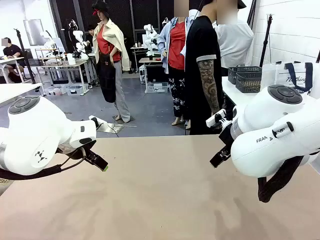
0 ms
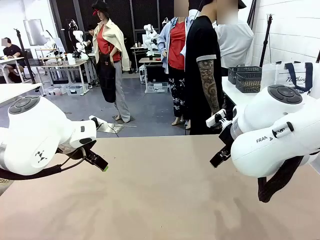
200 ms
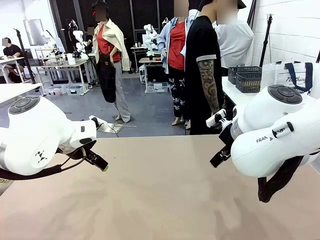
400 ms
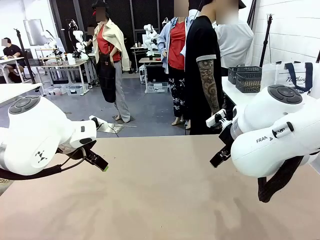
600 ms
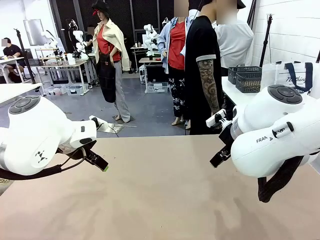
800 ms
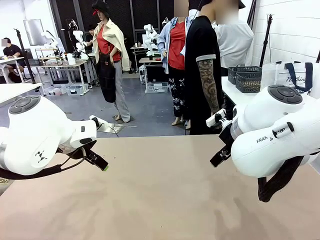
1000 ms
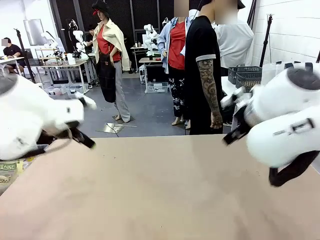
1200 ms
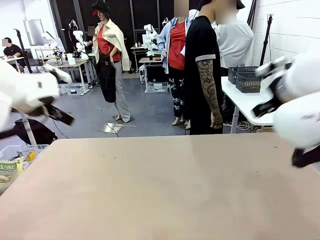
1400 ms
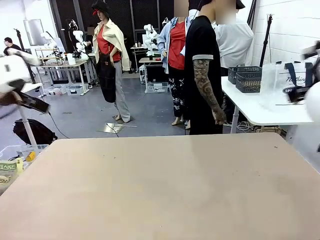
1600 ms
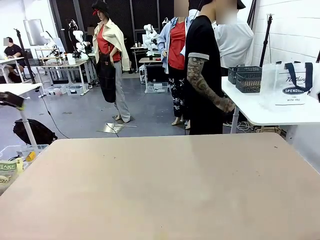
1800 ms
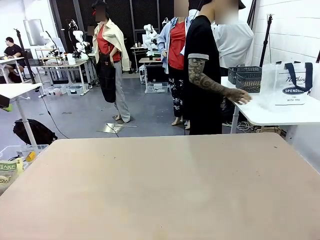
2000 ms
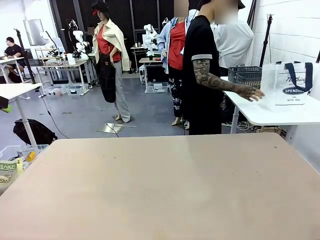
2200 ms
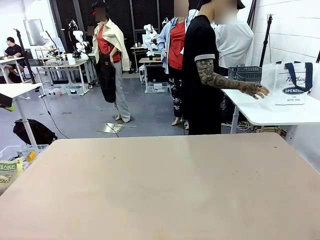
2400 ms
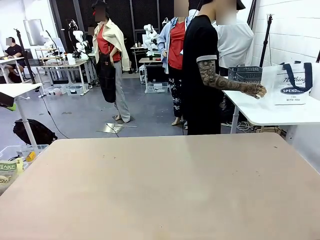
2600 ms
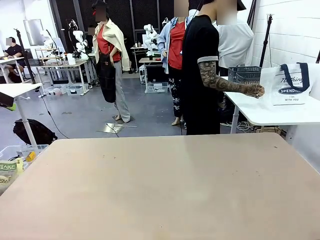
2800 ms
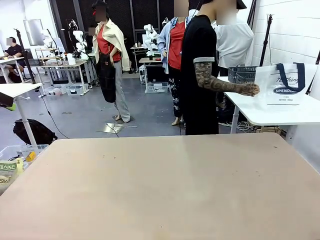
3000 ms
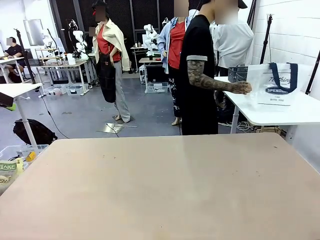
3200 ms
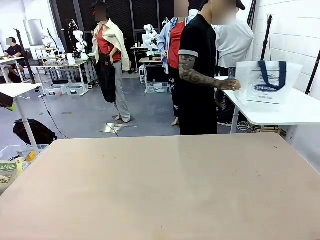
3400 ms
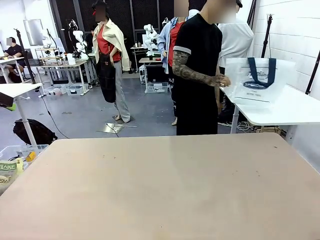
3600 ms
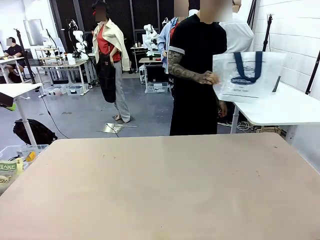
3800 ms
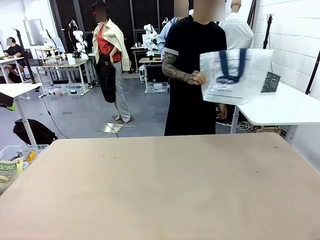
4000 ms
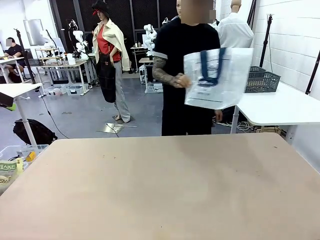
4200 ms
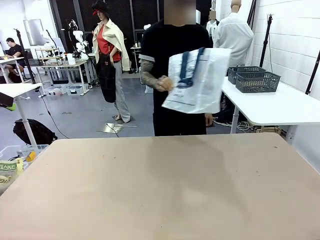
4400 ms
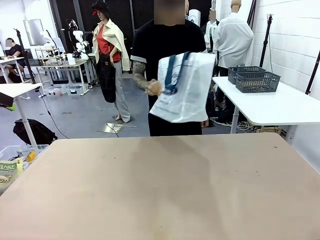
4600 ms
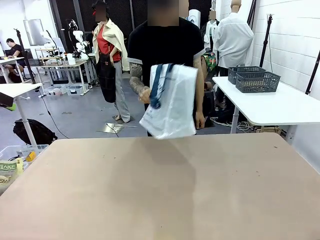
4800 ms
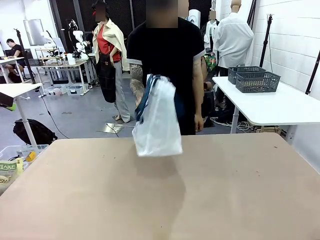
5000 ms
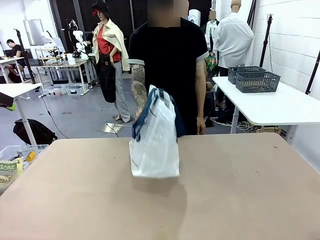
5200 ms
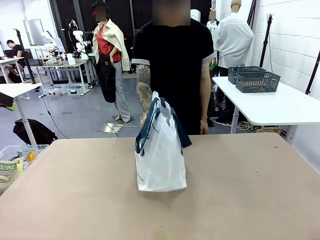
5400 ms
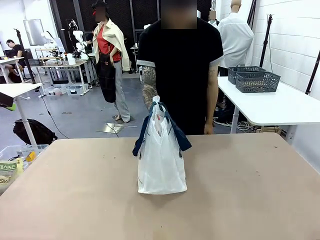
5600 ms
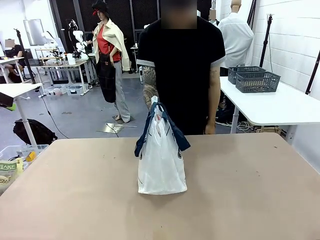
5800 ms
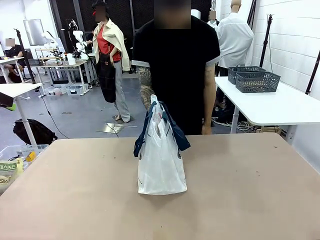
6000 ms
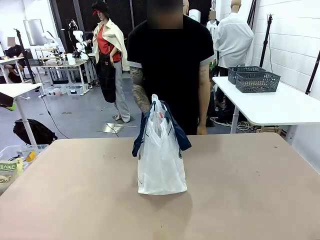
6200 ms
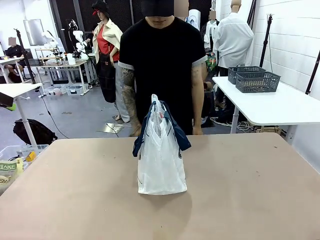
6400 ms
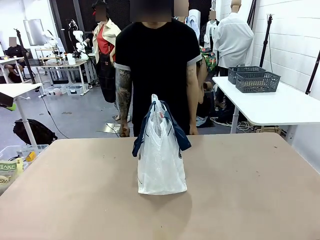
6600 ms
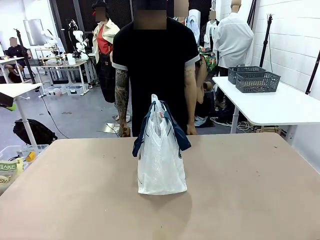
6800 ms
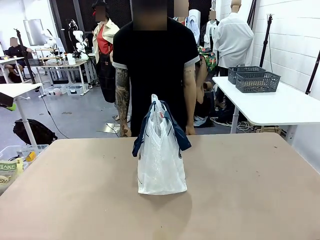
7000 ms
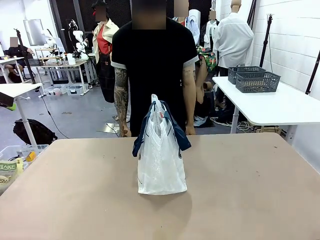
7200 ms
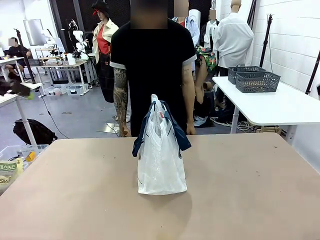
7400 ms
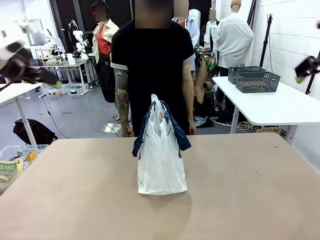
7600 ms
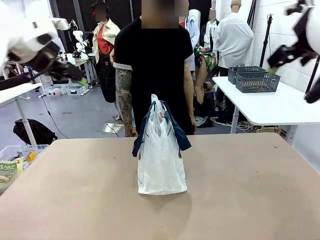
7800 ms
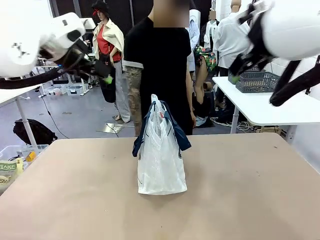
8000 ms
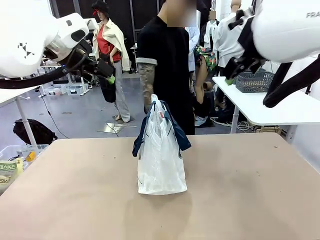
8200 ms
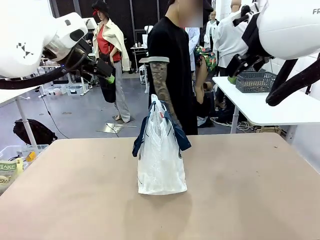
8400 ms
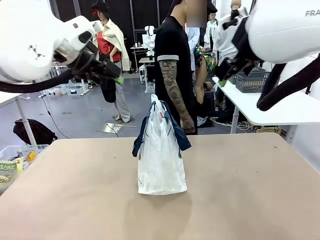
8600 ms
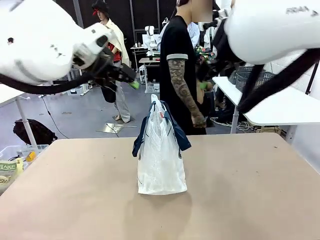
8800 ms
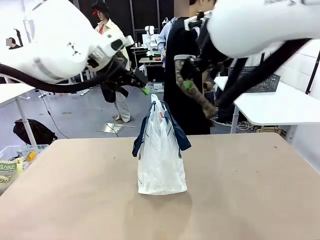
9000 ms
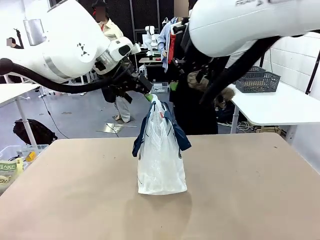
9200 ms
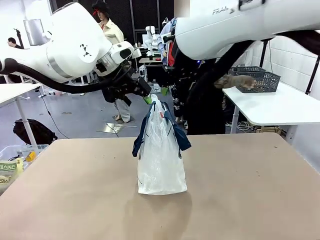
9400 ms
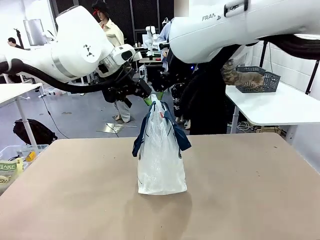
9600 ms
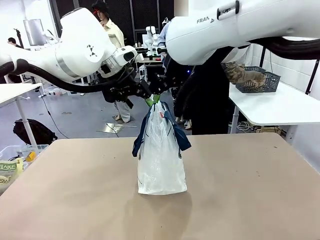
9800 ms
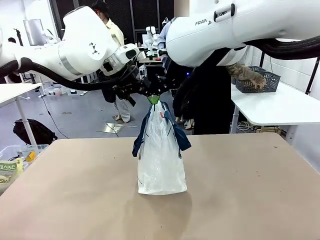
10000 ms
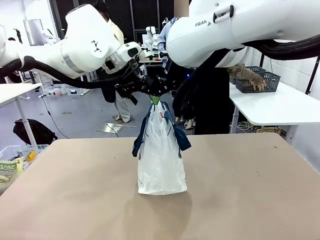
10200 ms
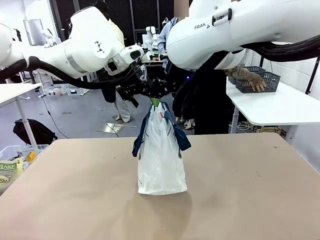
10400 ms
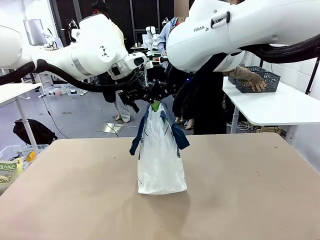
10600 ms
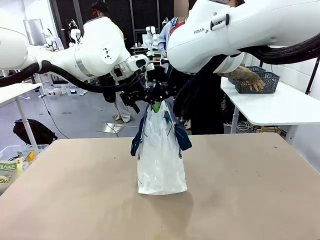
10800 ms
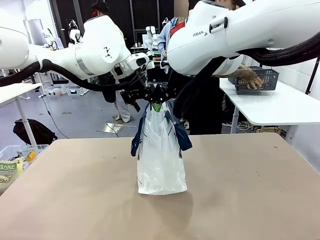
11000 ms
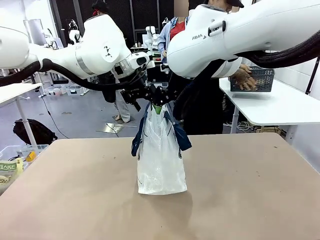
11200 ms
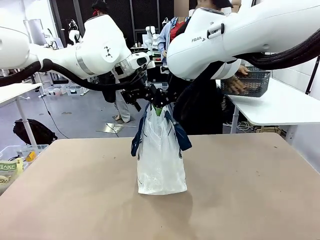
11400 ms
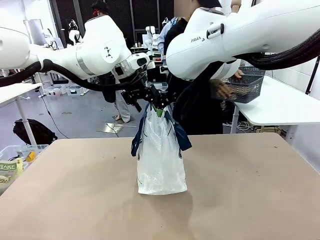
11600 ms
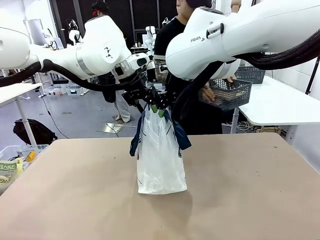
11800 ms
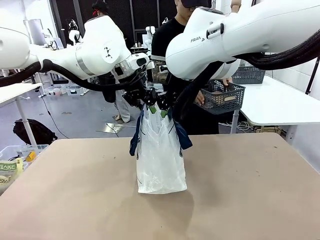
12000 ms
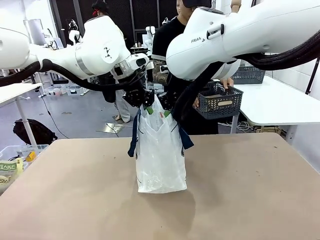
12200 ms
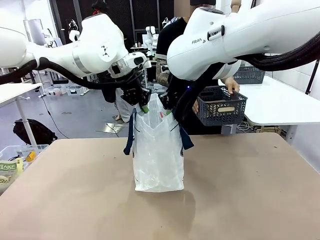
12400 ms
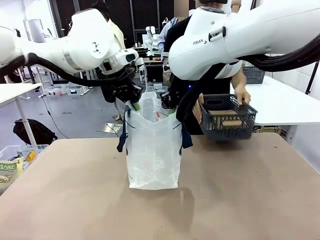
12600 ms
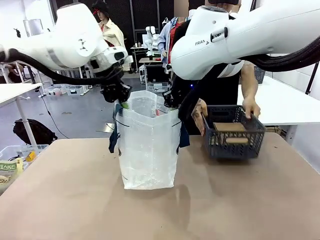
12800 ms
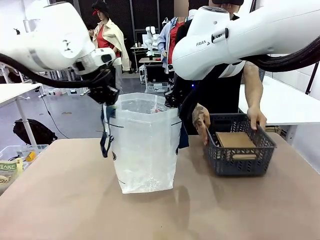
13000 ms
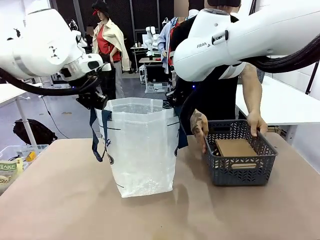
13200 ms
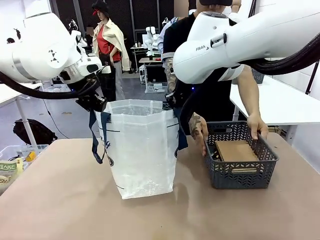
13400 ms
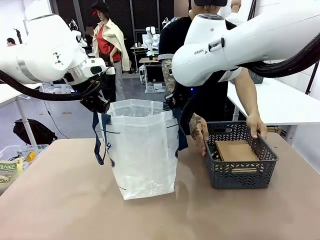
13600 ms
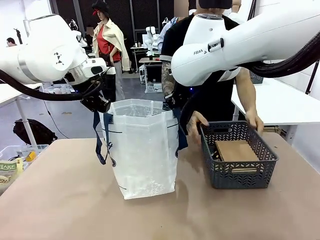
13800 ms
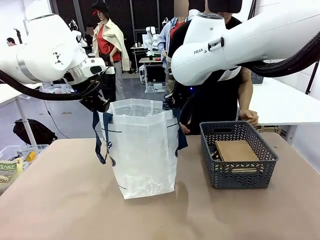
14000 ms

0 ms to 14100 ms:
Task: Transfer purchased items from the store into the shopping bag.
Robot: Open the Reusable shopping bag in the center of the table.
Person: Pick up the shopping bag and place it in the middle of the robot table. Pick up the basket on the right, place it on the left side of the robot table, and move the items in the basket to the shopping bag.

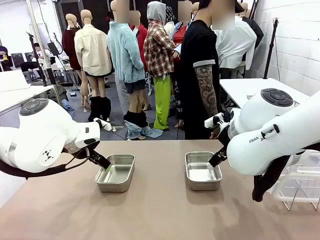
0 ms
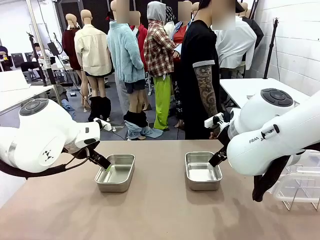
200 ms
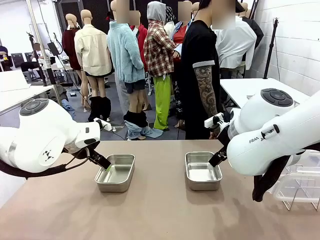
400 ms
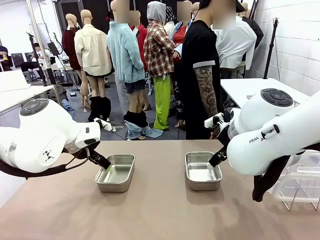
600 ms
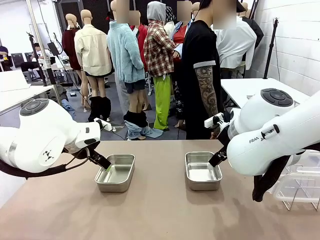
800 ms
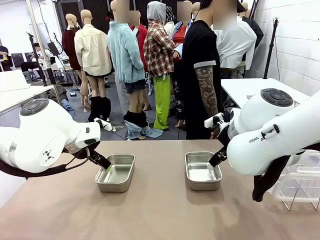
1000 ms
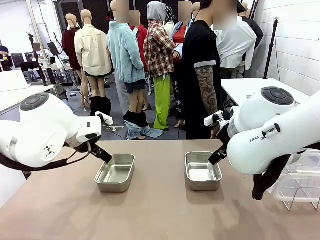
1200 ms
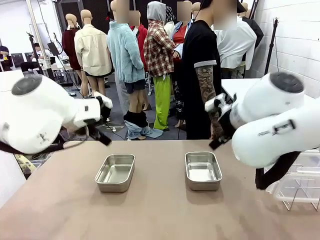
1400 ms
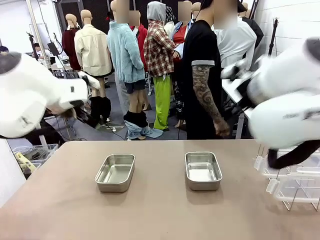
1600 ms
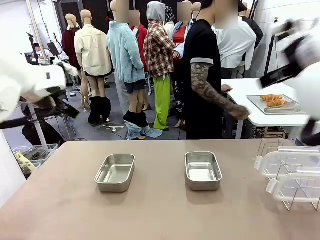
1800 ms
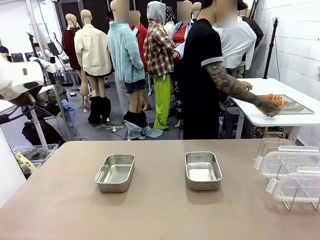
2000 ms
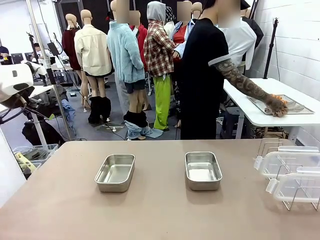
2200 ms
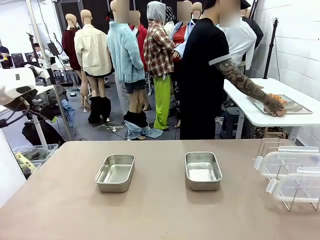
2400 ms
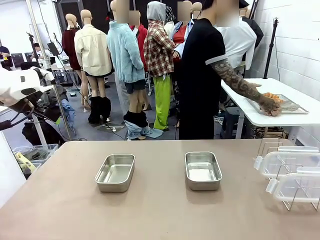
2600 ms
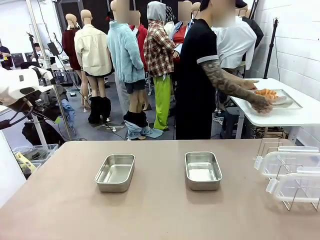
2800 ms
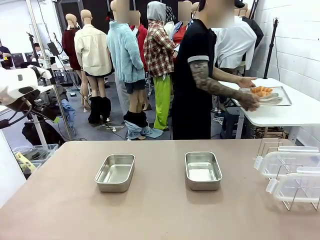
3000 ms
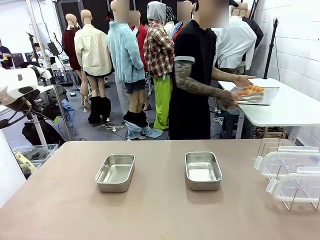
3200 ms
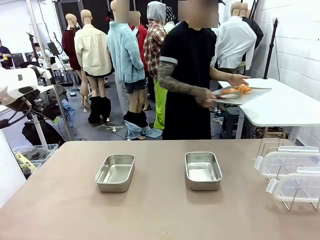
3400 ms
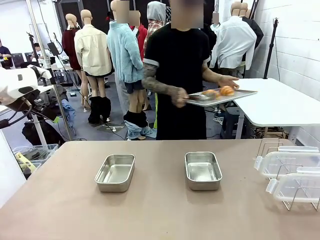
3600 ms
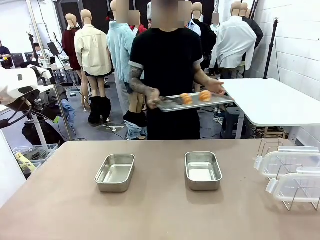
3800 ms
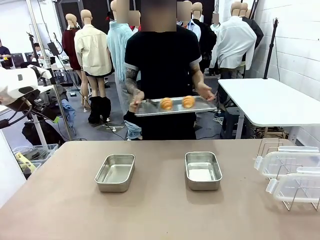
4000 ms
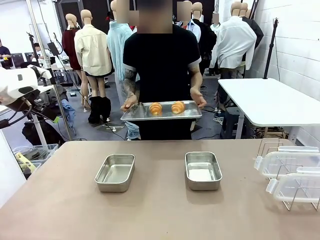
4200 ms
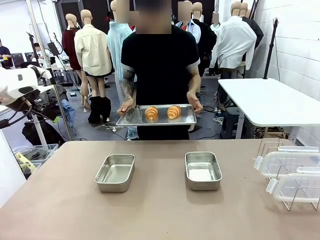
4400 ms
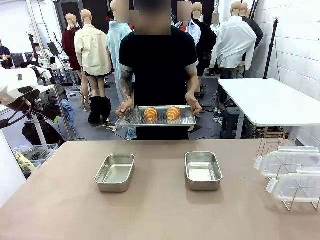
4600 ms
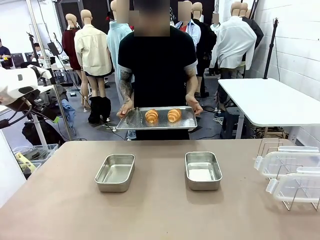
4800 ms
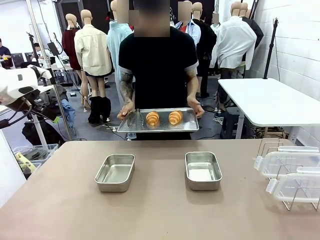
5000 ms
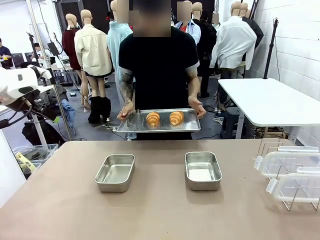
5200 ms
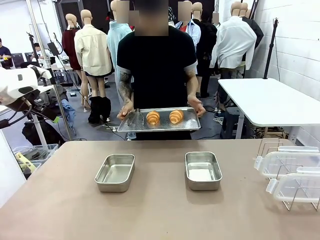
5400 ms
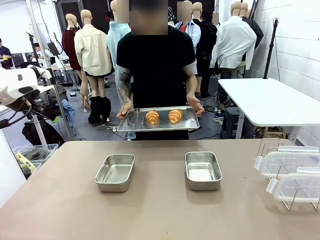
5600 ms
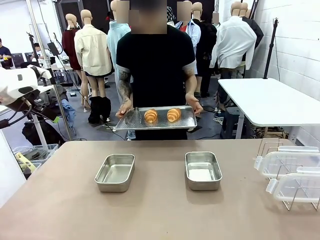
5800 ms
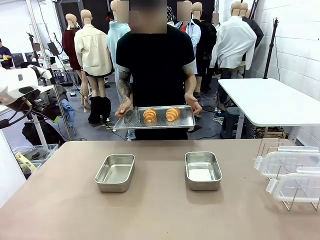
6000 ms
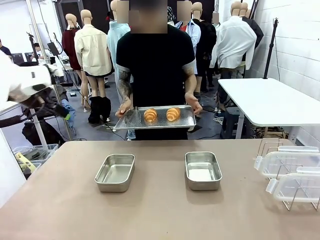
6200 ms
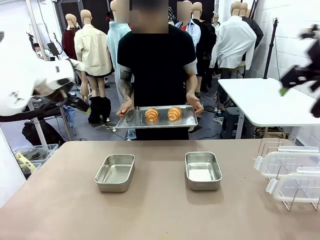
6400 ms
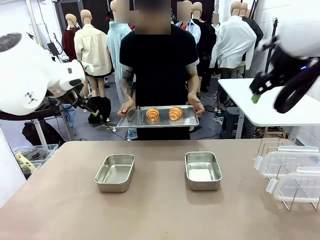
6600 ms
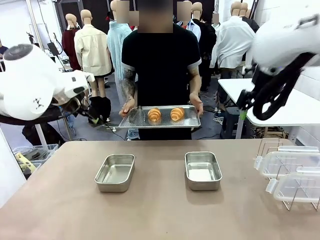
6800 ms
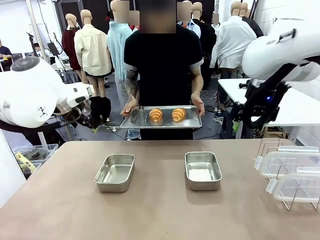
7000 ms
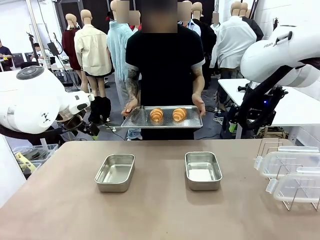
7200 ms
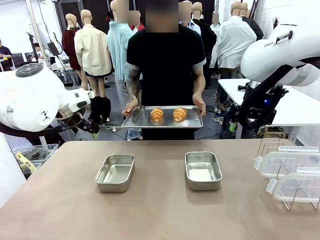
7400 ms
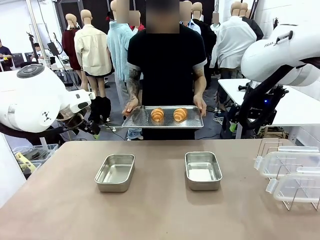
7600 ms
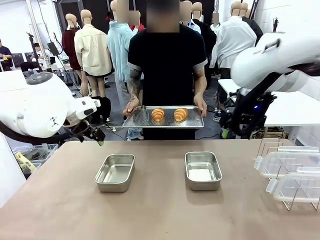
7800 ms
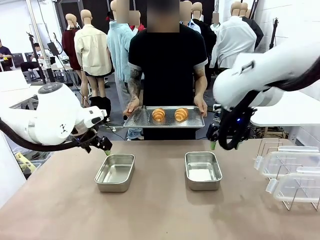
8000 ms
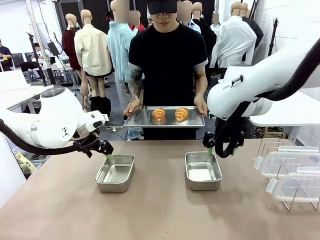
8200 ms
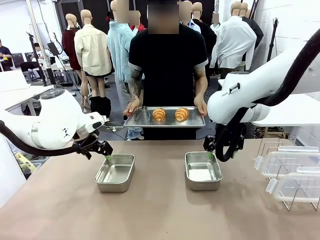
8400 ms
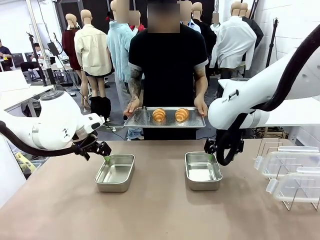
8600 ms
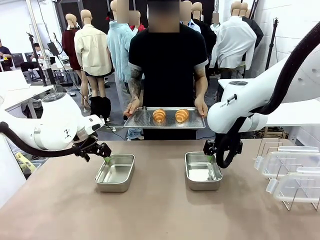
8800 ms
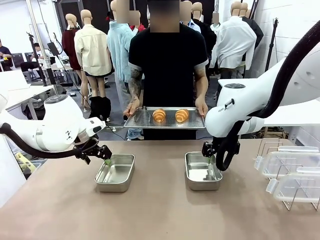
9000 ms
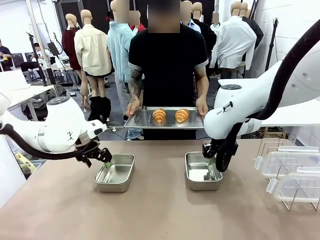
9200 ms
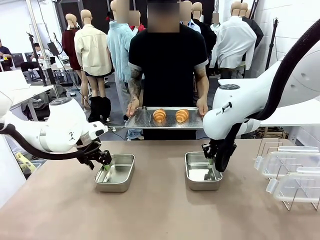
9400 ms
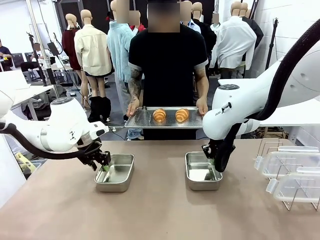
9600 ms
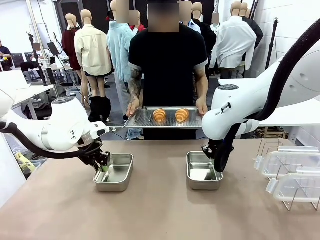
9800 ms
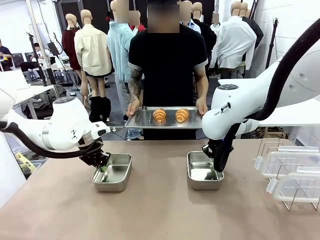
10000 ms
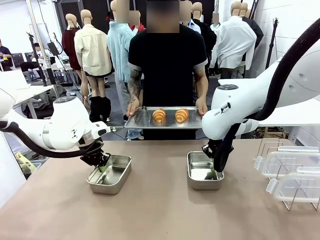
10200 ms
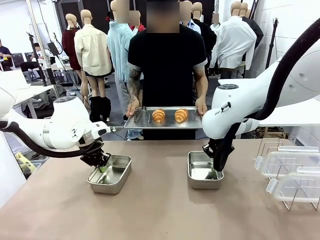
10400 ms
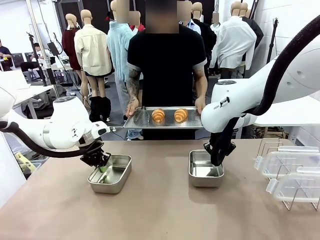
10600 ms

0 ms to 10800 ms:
Task: Place the bread in airtight containers.
Robot: Lift both Airtight Container.
Person: Bring the Baking Sheet in front of Robot's Table.
